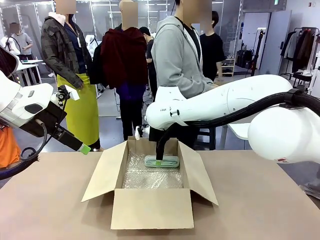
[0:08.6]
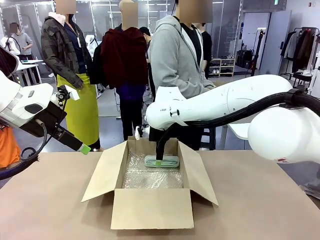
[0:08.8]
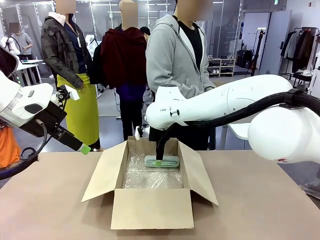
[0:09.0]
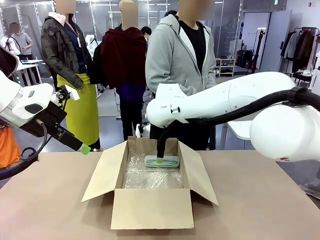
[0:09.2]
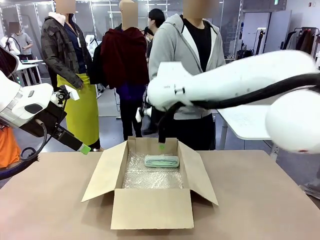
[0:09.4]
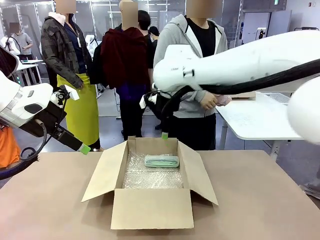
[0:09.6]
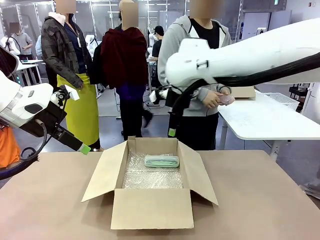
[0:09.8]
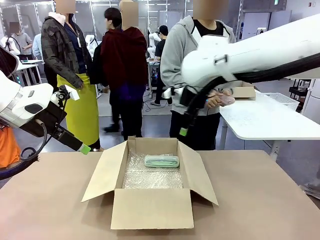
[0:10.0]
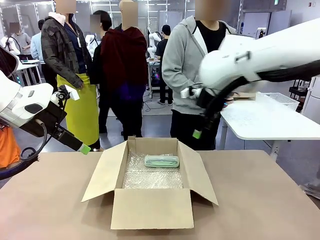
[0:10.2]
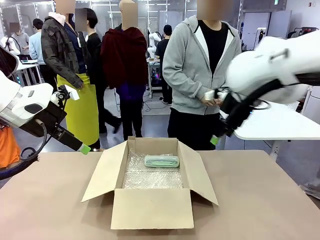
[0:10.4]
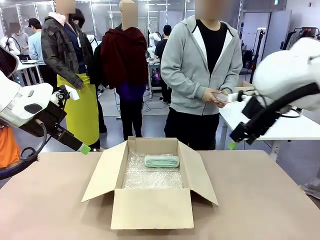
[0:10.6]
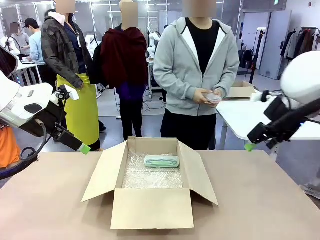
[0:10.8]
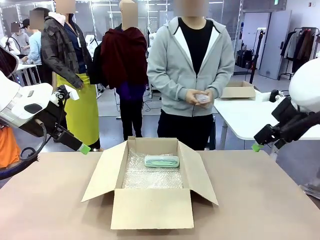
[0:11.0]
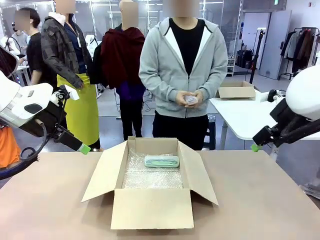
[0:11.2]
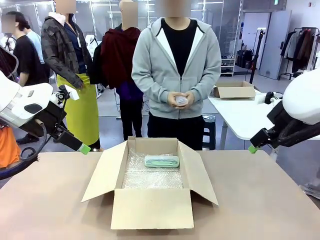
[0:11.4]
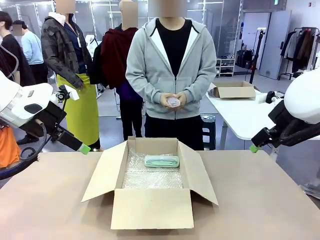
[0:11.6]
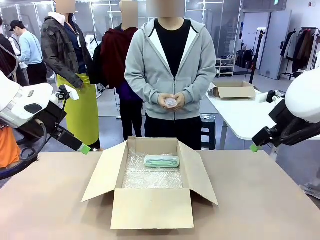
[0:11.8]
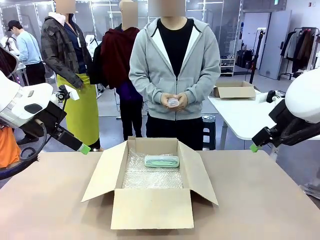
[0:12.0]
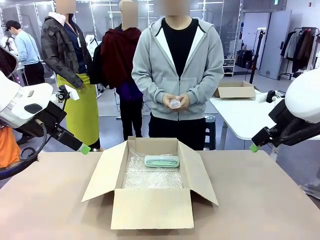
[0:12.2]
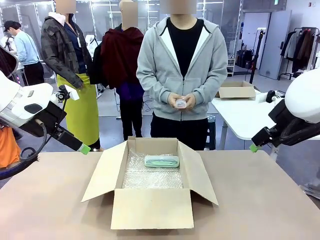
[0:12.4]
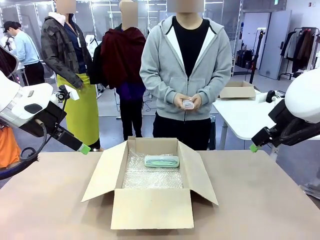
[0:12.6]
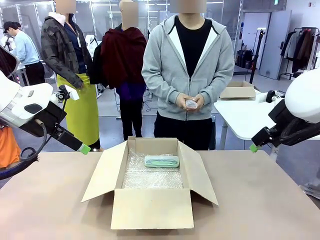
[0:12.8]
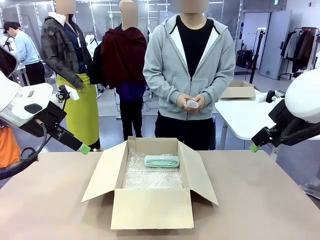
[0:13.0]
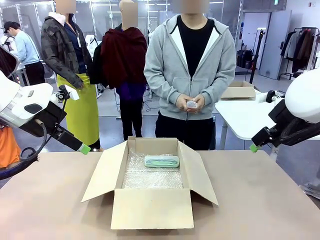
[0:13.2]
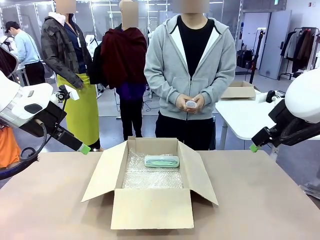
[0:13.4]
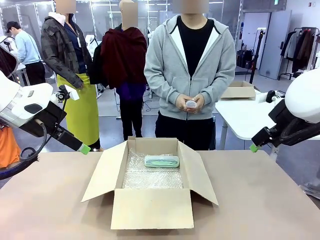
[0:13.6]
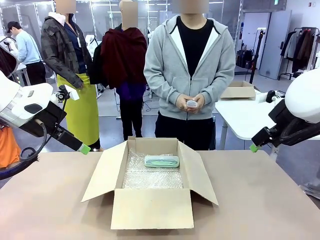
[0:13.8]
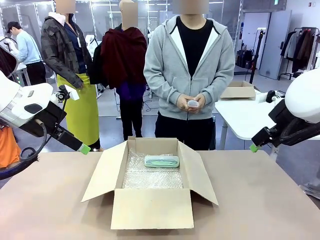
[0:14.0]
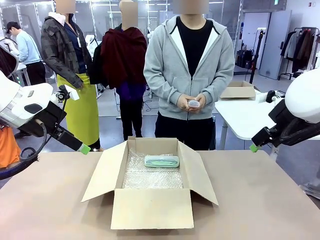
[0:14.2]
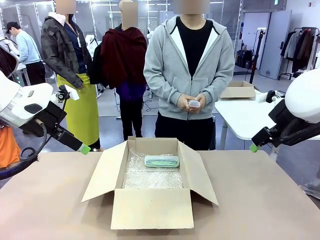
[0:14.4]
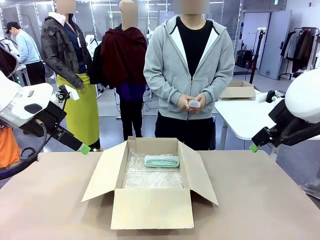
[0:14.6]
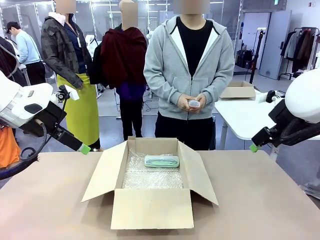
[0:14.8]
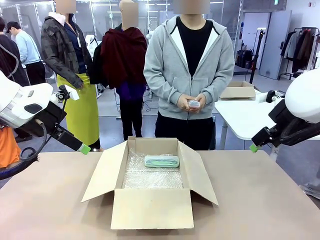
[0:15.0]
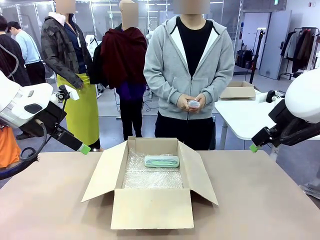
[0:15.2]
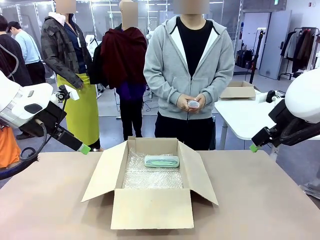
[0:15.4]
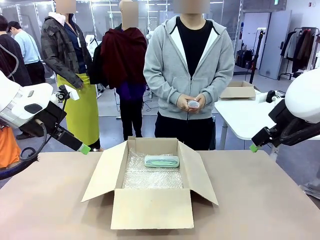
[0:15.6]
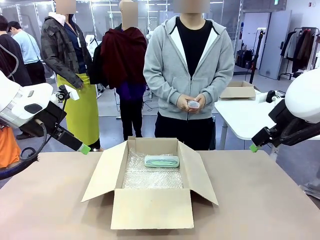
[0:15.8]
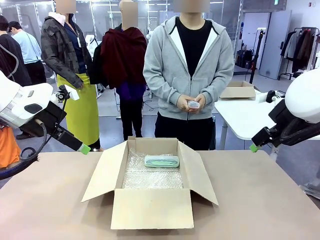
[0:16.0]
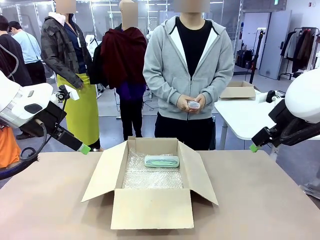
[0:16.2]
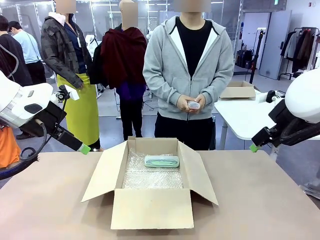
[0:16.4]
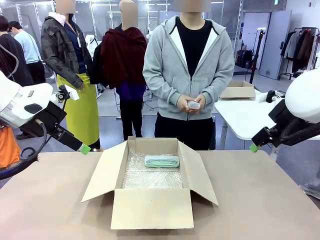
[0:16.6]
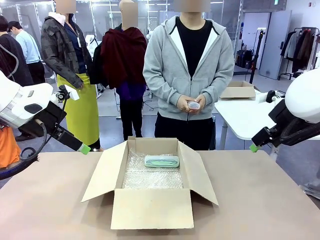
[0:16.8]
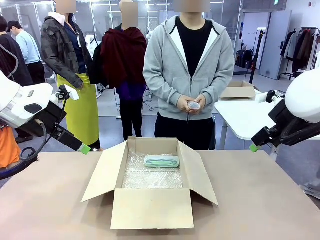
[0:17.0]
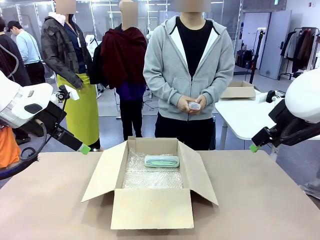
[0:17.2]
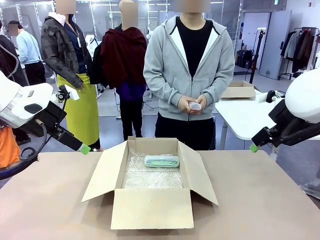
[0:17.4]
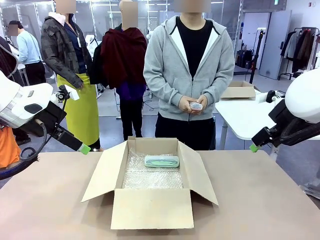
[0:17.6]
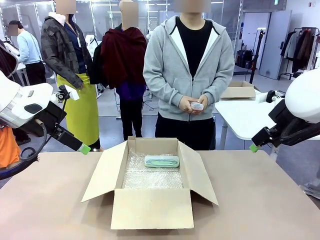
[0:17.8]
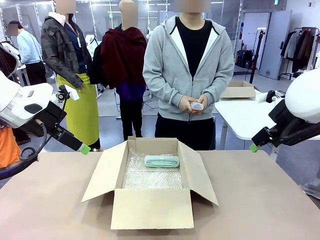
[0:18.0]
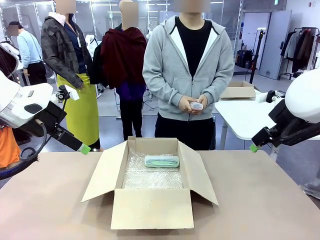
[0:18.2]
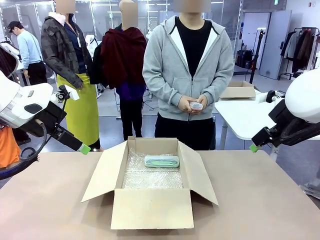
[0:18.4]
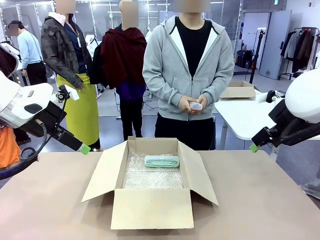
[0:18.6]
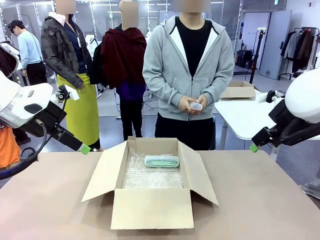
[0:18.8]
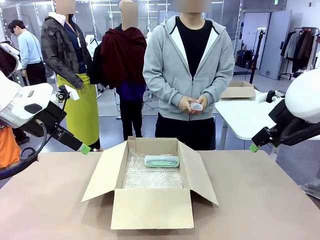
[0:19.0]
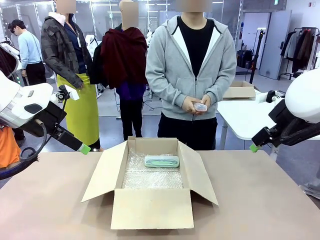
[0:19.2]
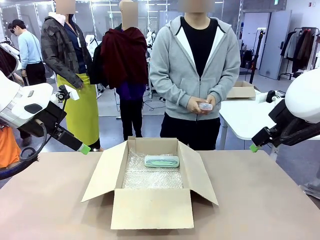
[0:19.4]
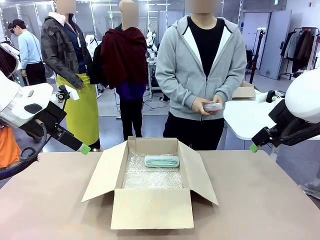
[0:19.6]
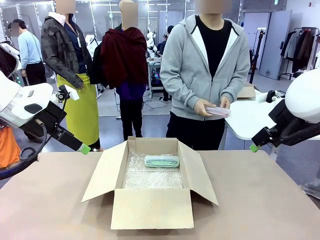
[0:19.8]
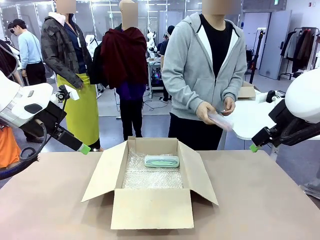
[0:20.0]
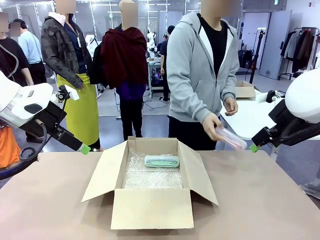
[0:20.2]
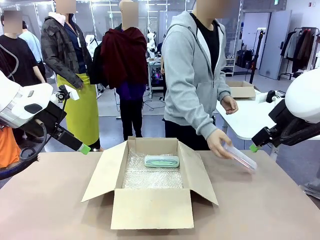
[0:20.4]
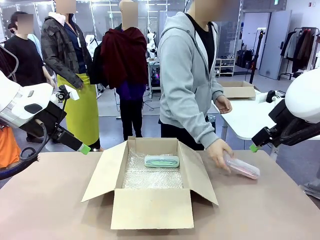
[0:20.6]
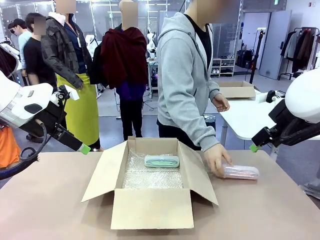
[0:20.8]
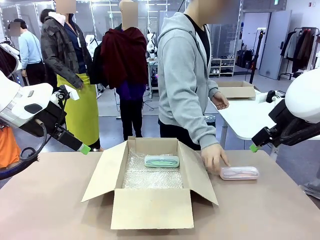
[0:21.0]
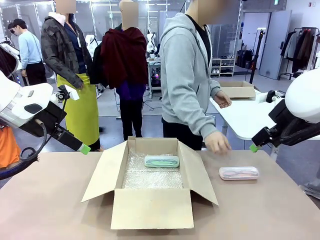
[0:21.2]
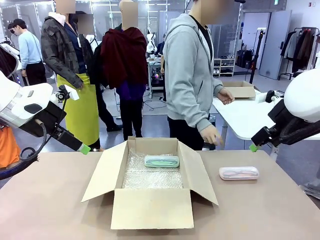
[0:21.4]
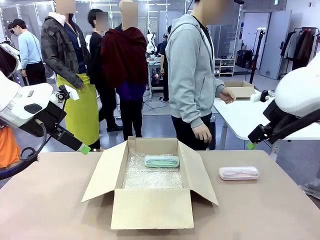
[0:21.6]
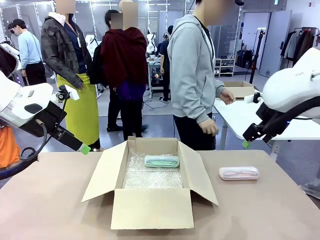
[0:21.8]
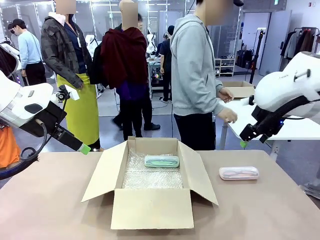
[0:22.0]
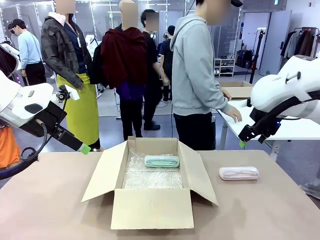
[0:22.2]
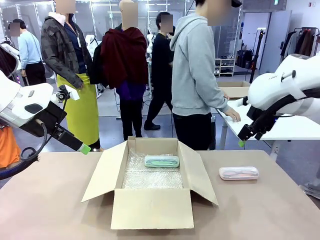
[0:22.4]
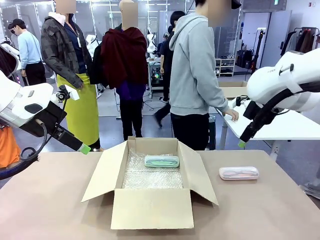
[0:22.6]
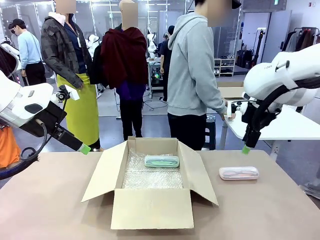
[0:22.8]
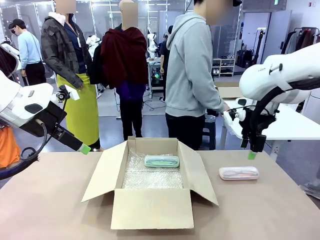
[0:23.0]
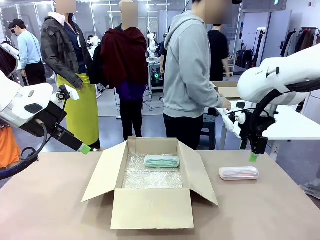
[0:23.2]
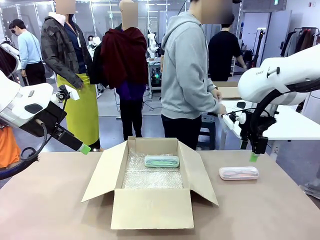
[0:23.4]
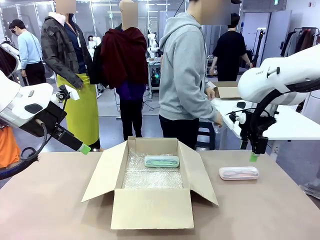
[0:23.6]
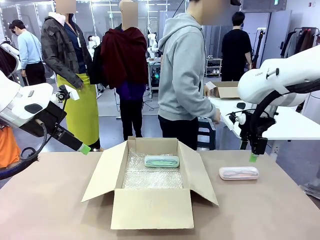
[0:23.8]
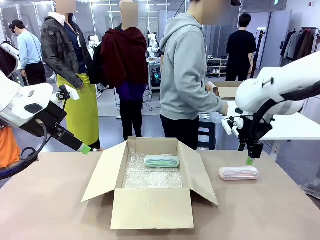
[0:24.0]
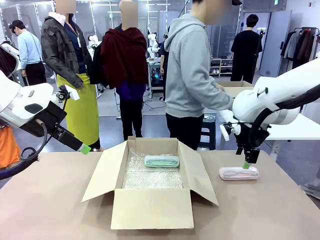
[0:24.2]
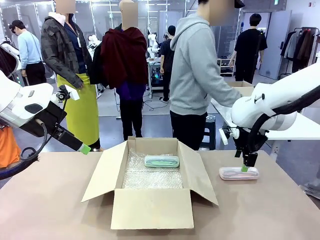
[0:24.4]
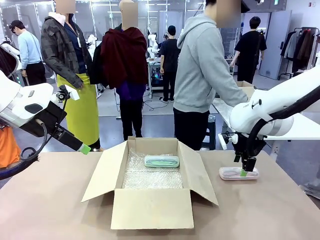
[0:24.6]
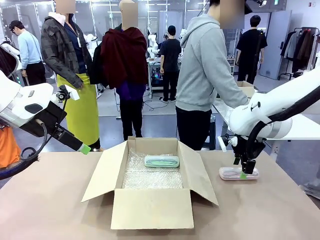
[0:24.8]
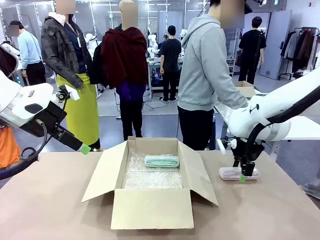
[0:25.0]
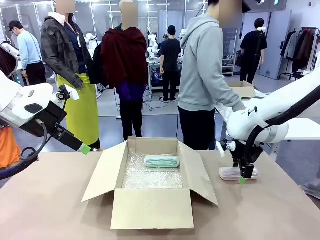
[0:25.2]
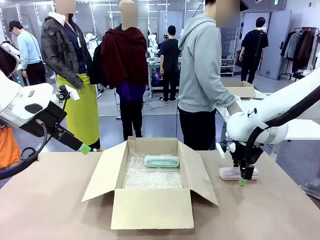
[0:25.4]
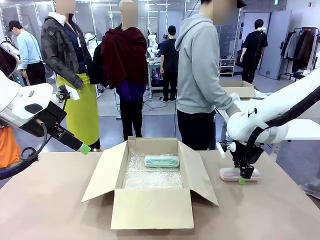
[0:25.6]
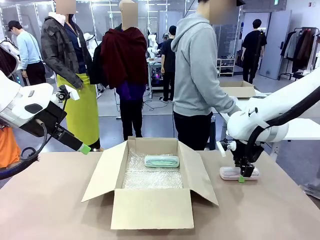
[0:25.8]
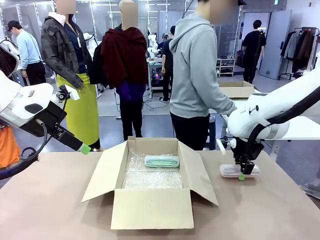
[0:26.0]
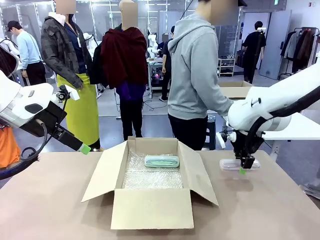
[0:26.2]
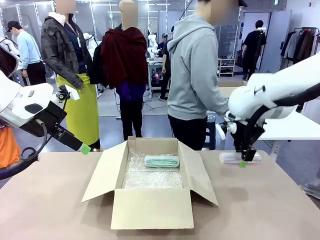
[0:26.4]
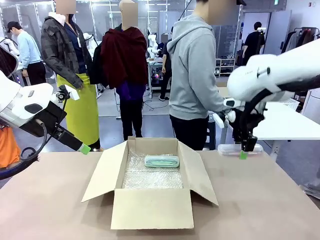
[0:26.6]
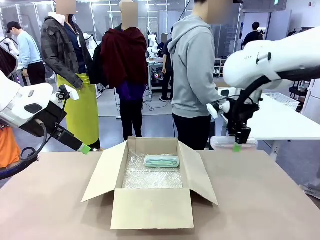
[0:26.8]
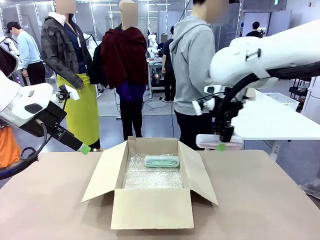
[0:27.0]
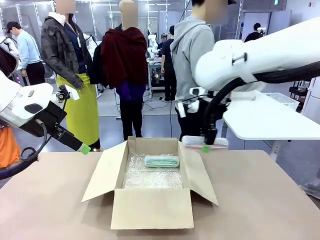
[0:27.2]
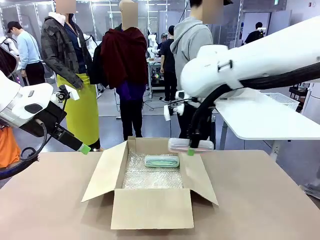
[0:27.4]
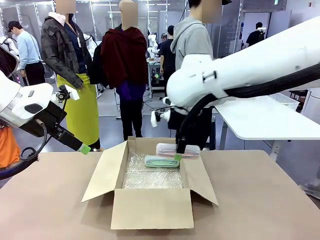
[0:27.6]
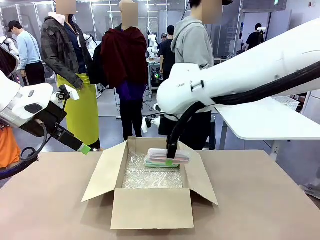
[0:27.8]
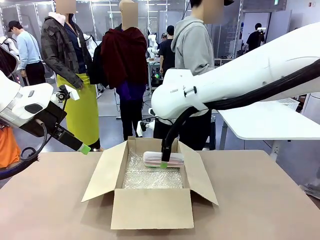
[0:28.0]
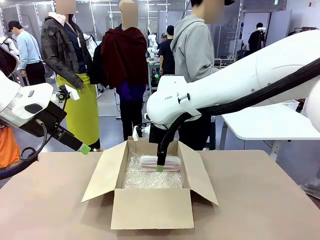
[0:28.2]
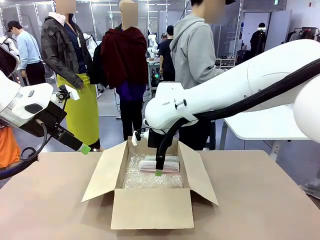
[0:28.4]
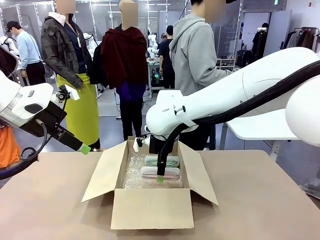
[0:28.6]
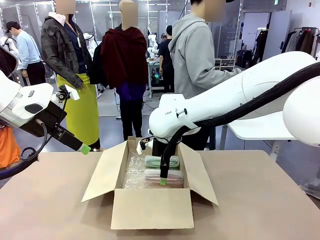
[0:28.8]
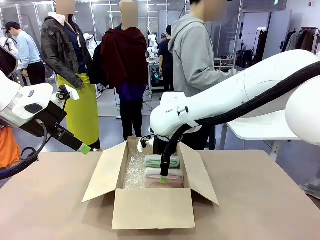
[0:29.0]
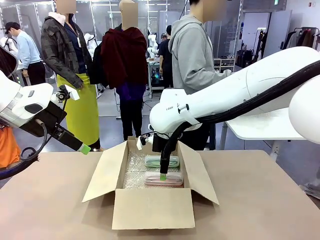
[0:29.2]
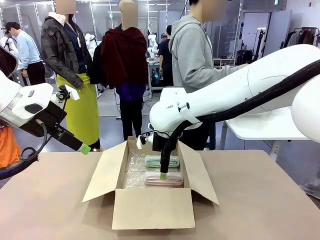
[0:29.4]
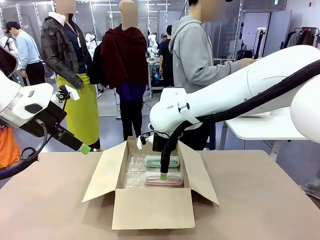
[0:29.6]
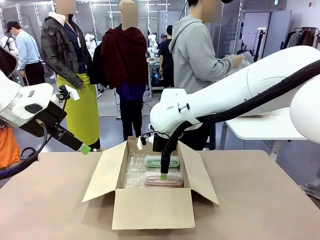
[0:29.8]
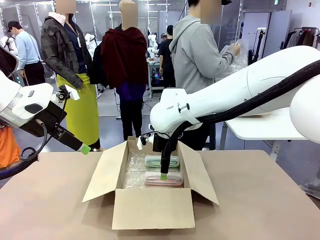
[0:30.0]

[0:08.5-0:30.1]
Task: Pack the glasses set securely to prepare it for shipping.
Robot: Put the Glasses case from the right side of the table into the Package Box.
Person: Position the Glasses case on the left side of the robot's table.
